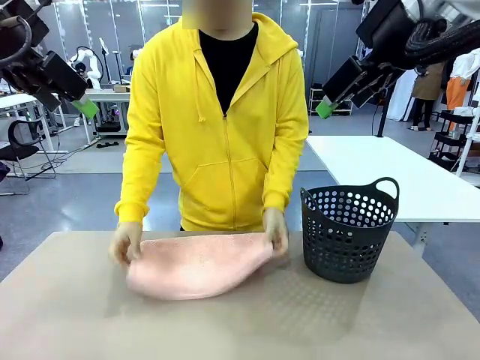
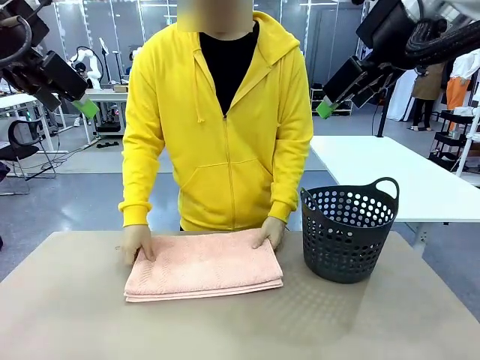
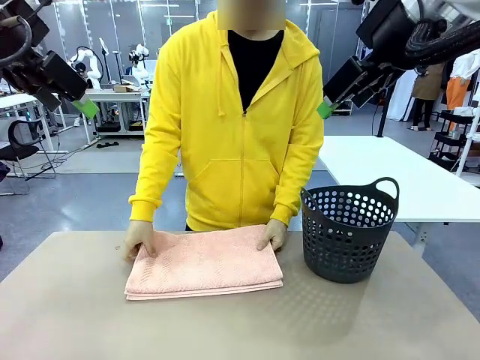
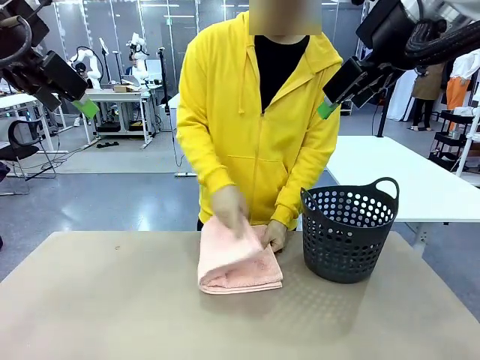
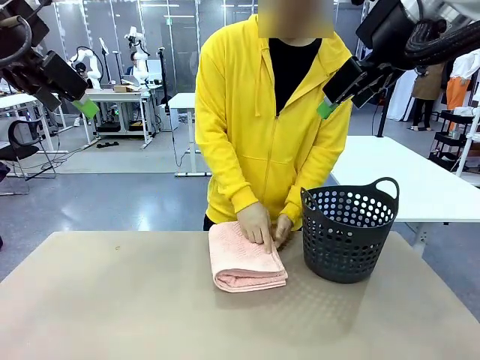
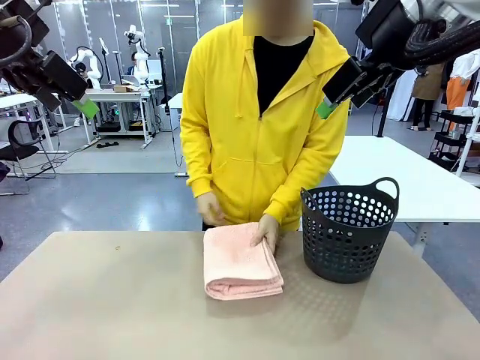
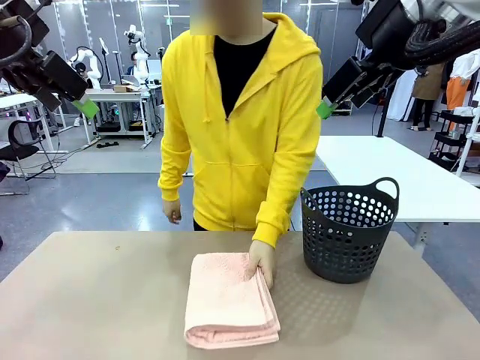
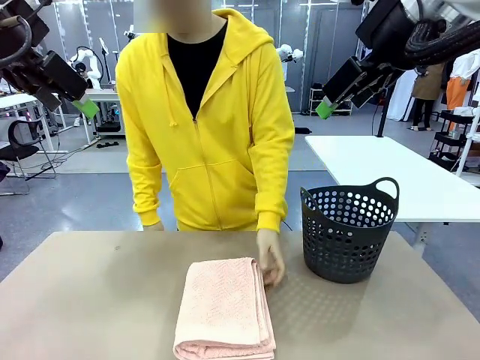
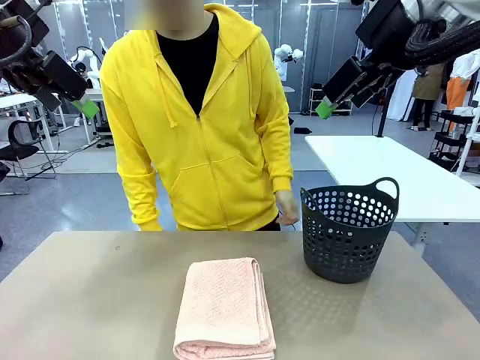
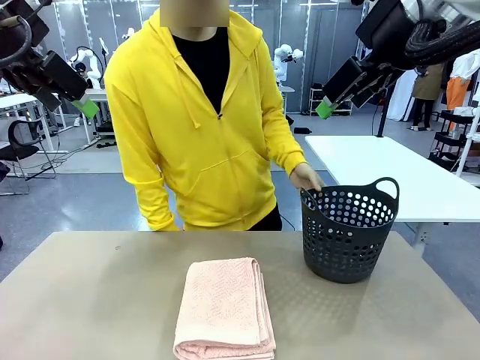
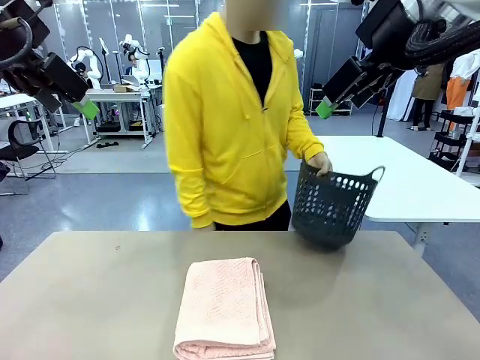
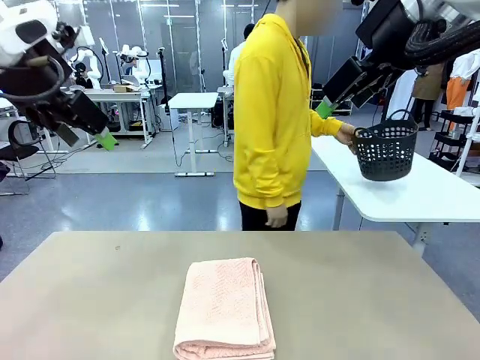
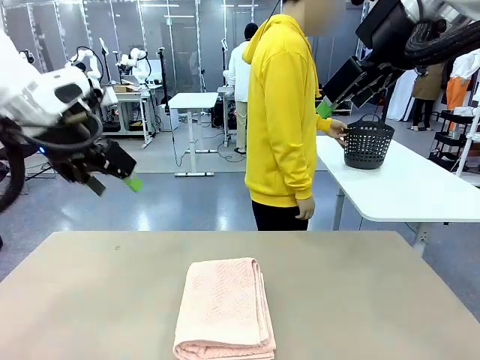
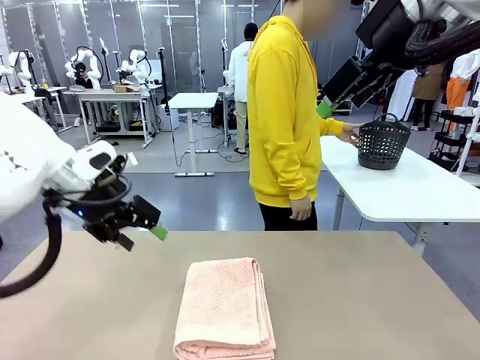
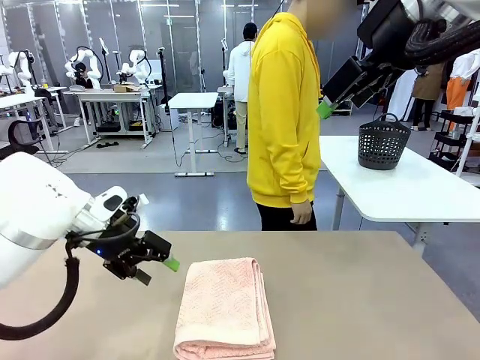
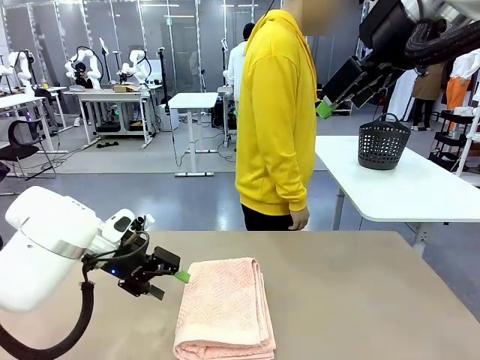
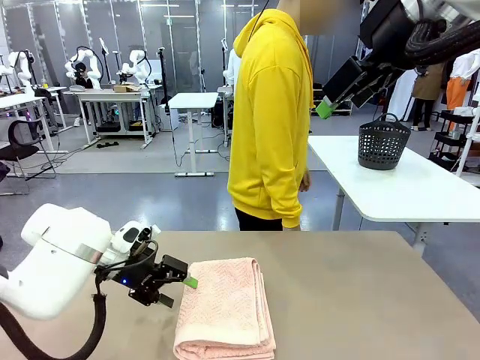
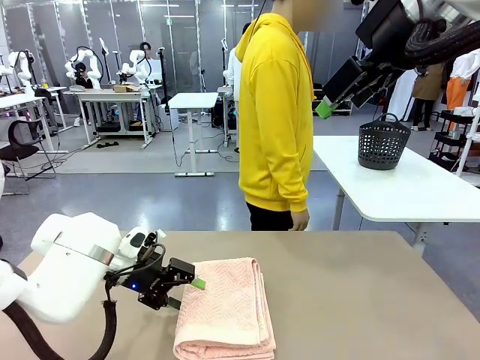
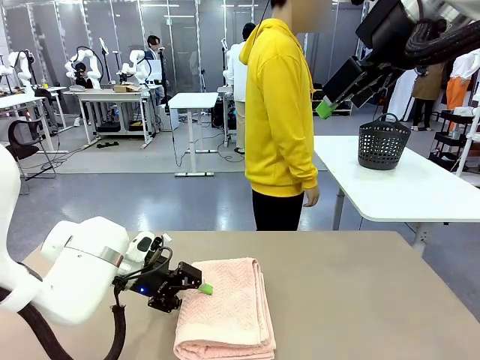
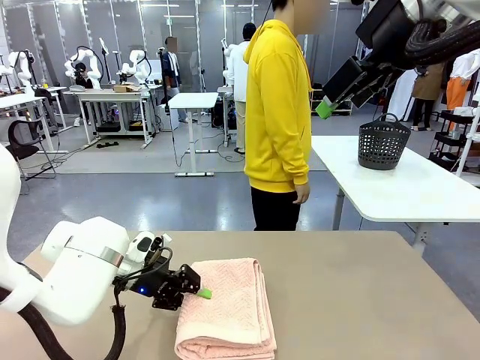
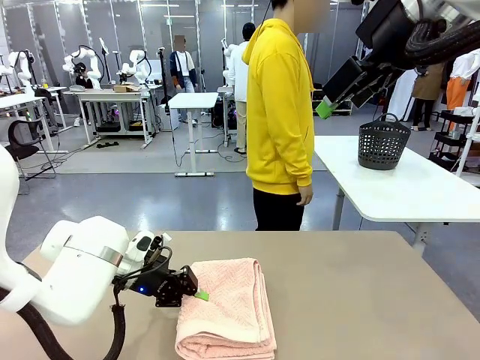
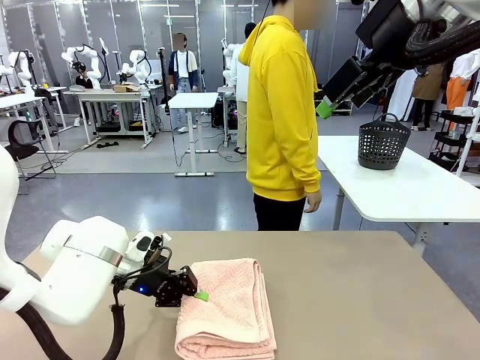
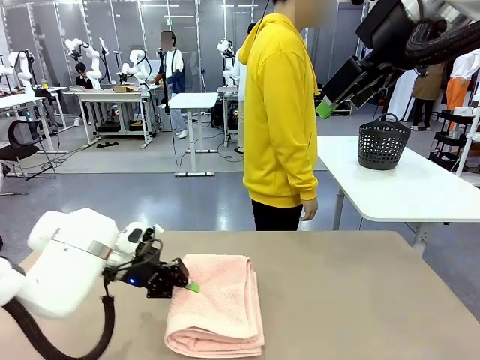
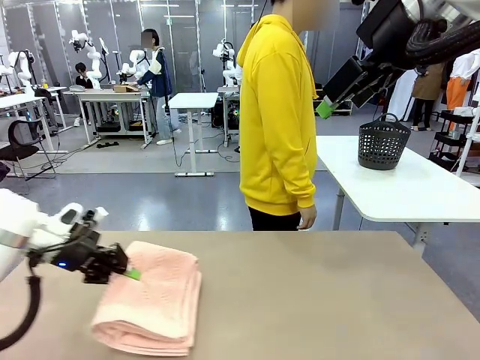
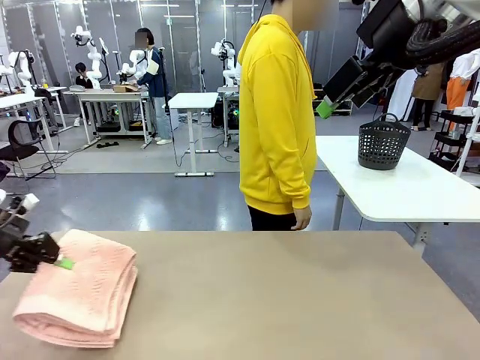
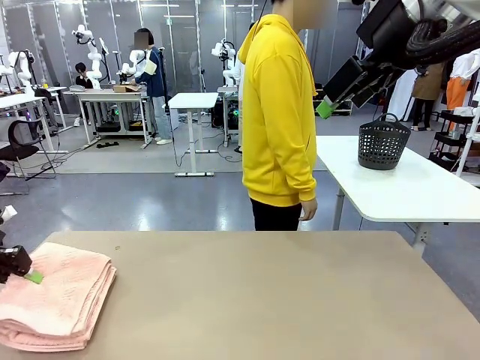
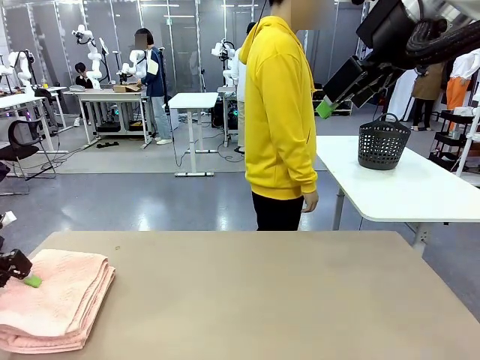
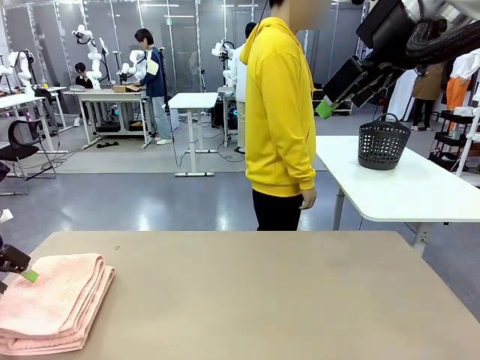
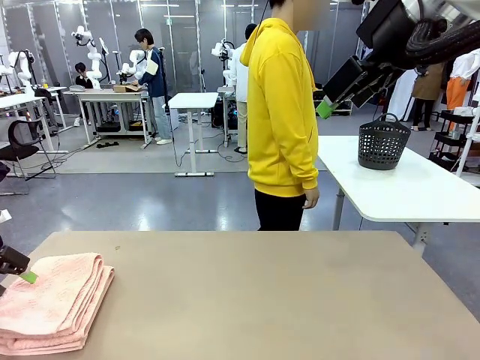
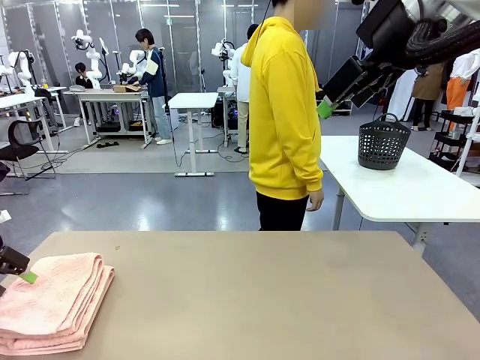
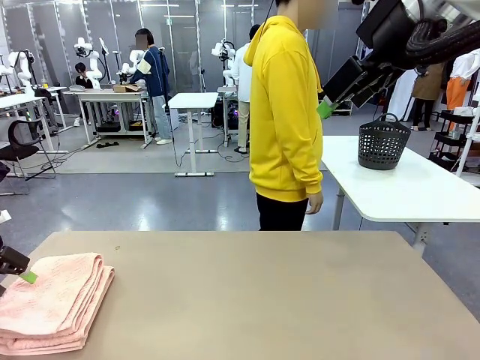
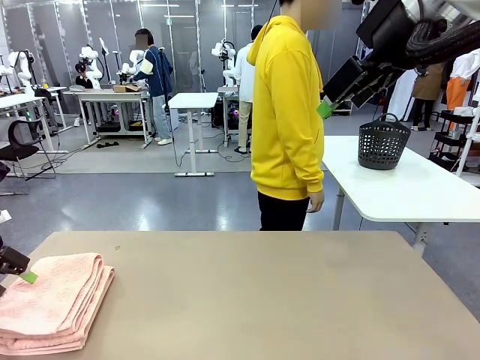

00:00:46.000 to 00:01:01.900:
Task: Fold the towel.
Robot: Pick up the 100 cm Hotel Towel and place it on the left side of the table.
Person: Place the towel at the center of the robot table and fold it in half. Pick up the laundry basket and place it at the center of the human table.

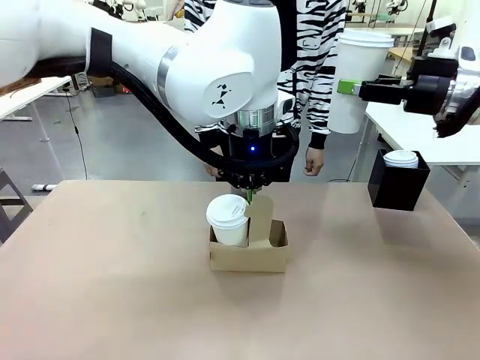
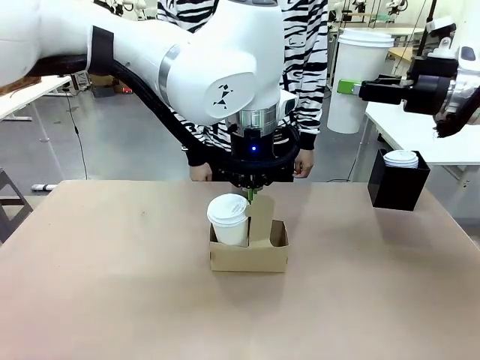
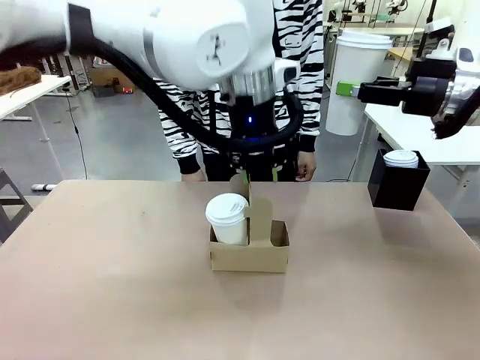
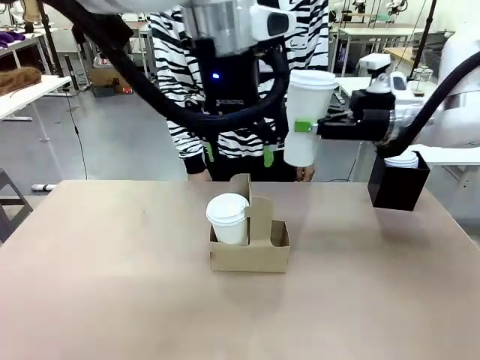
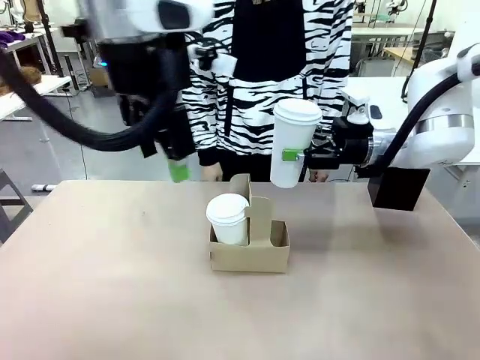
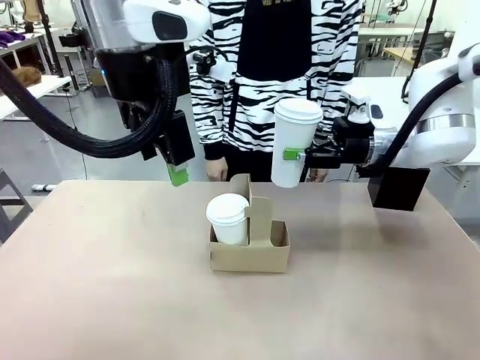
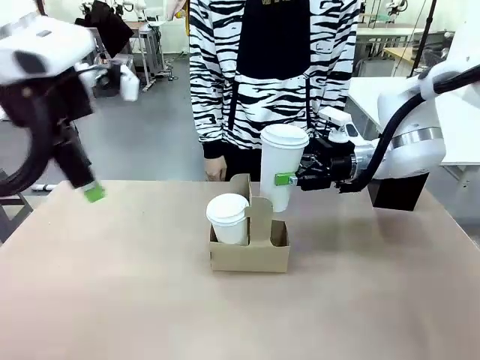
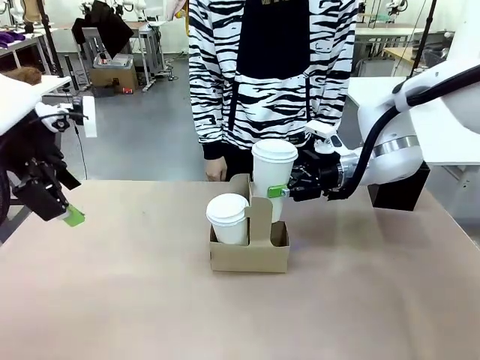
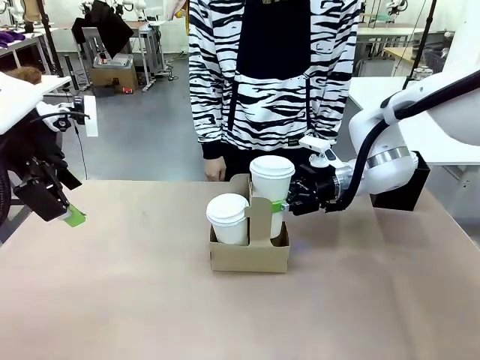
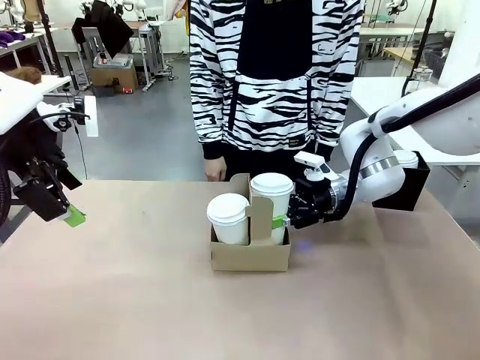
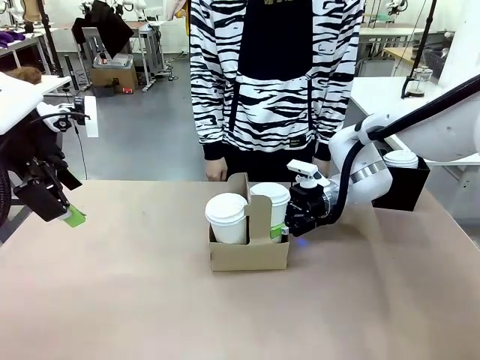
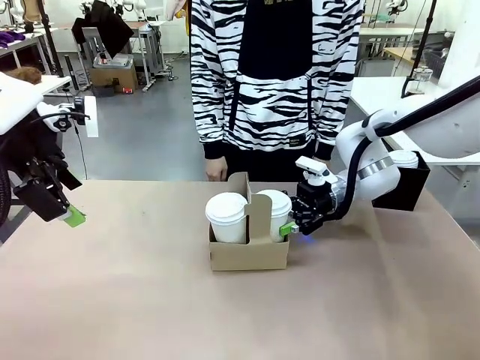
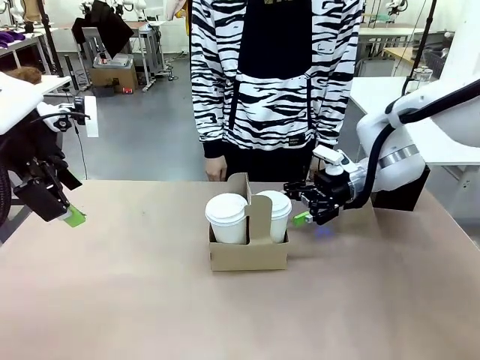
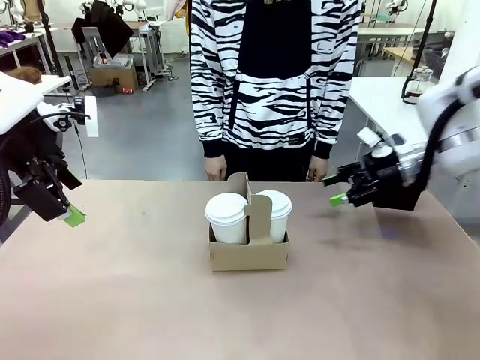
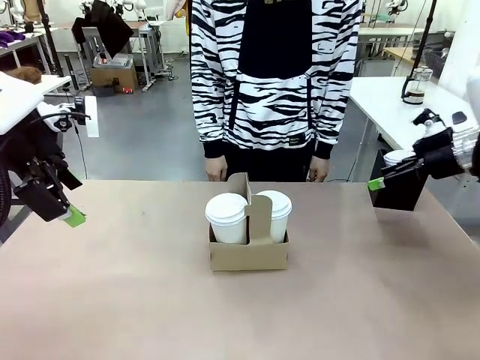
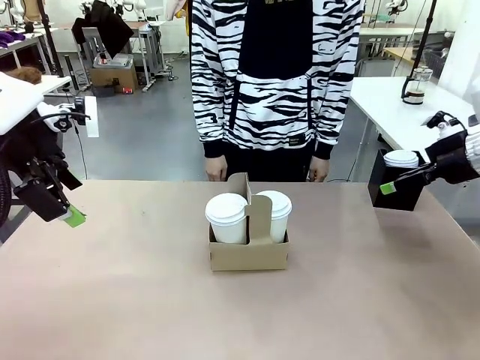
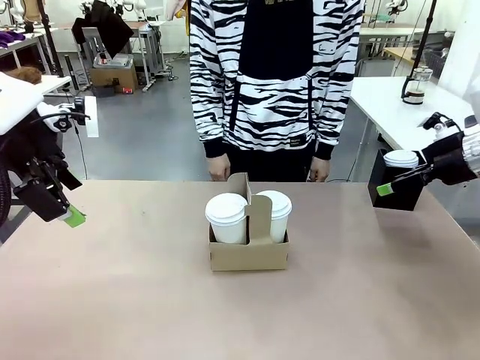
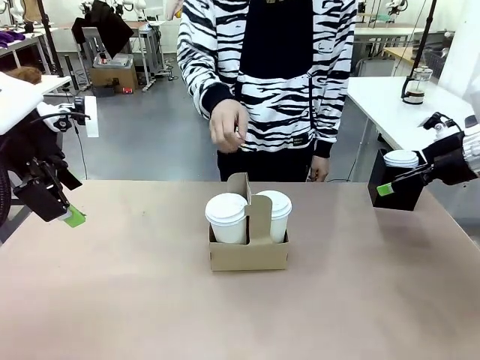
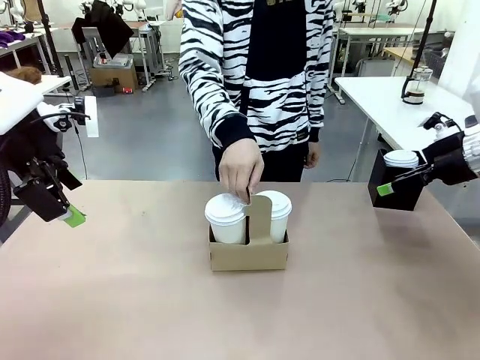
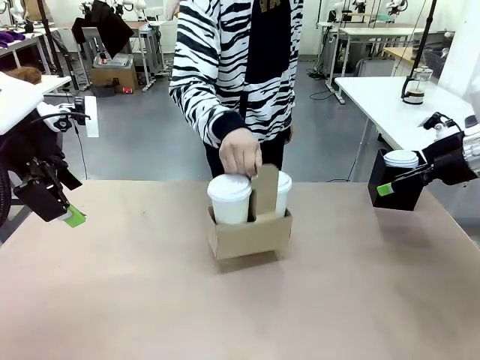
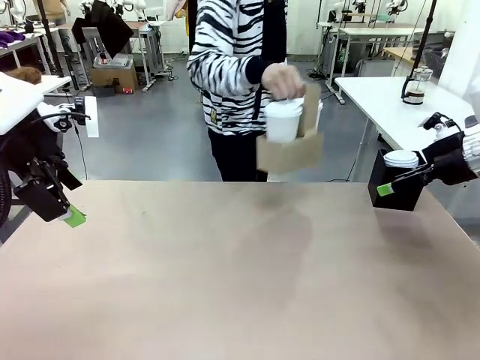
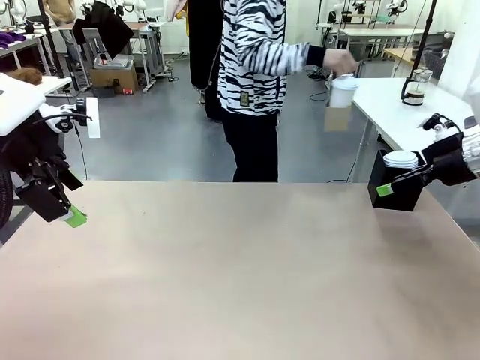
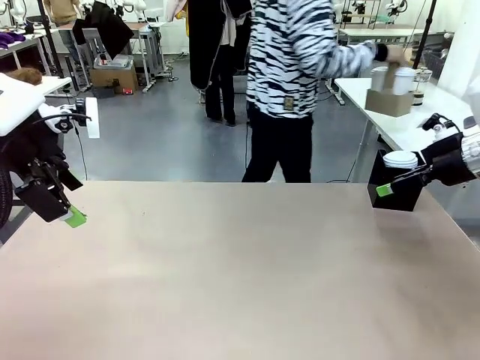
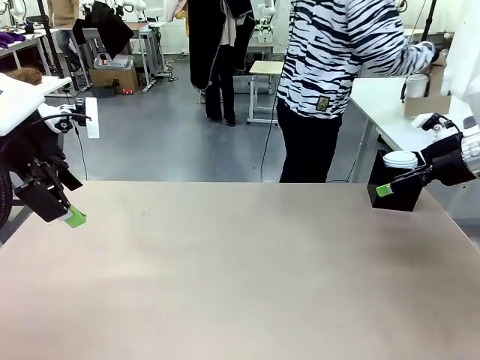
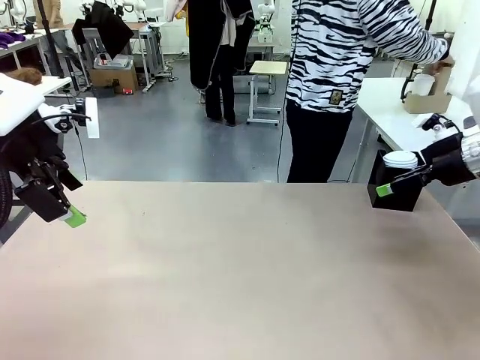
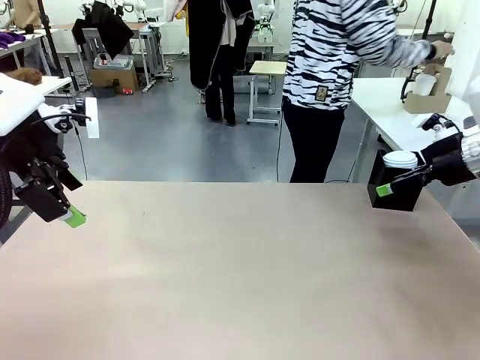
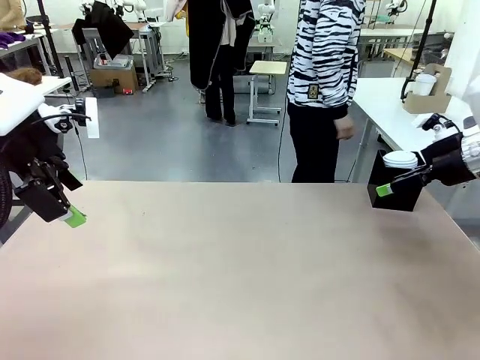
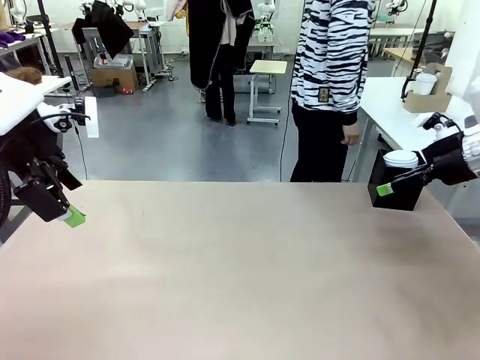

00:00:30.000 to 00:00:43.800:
Task: Pour a drink into a cup and package it in a carrier.
Robot: Insert the held 600 ml Paper Cup into the Cup Carrier.
Person: Place the Cup Carrier to the middle of Human table.
